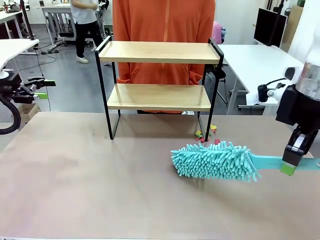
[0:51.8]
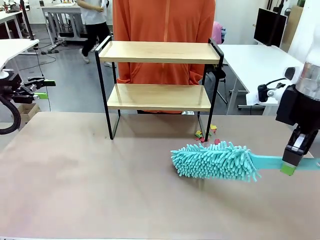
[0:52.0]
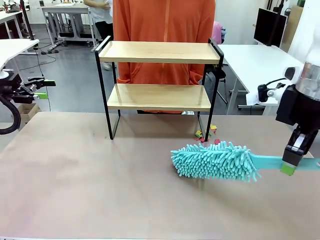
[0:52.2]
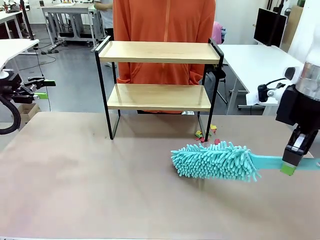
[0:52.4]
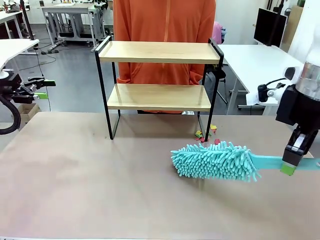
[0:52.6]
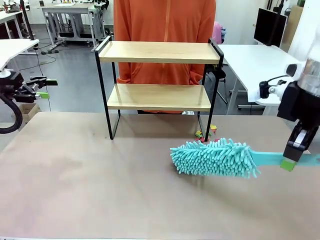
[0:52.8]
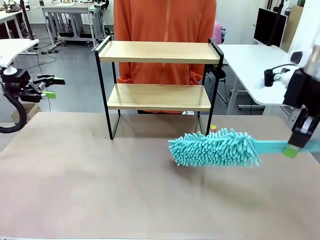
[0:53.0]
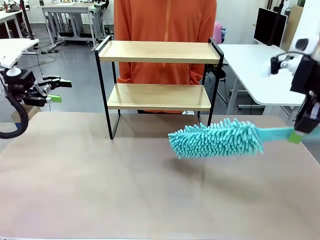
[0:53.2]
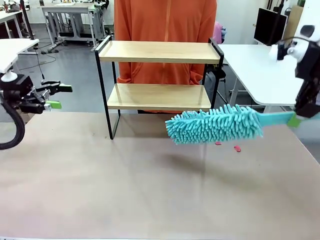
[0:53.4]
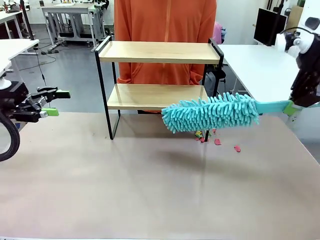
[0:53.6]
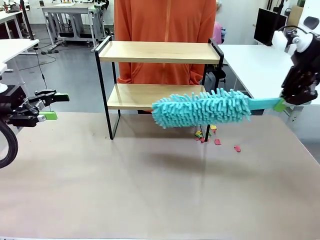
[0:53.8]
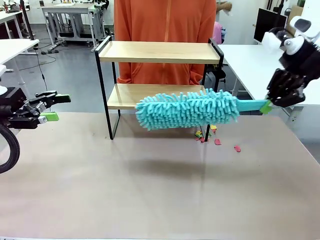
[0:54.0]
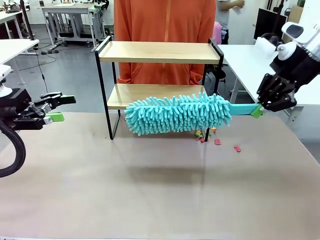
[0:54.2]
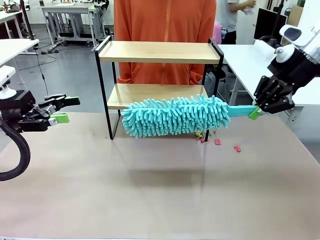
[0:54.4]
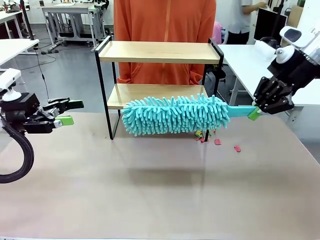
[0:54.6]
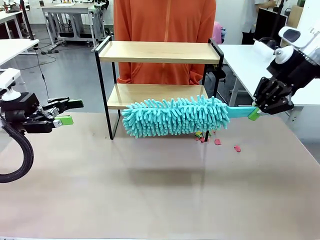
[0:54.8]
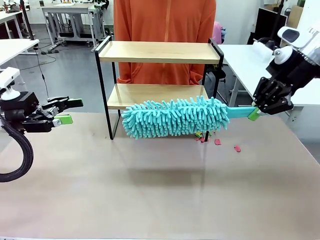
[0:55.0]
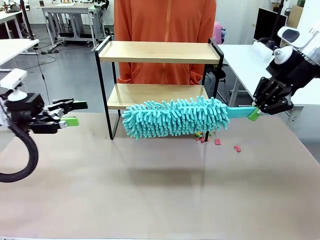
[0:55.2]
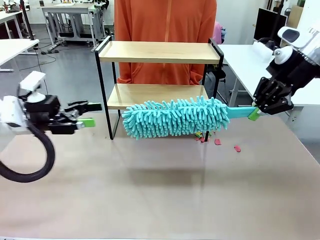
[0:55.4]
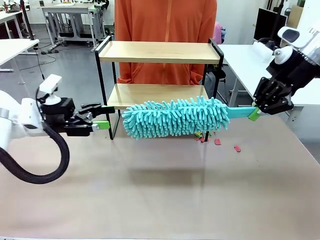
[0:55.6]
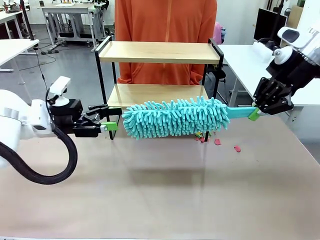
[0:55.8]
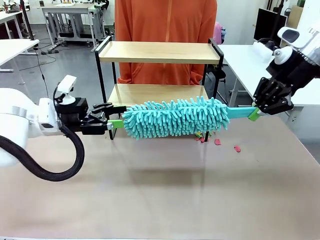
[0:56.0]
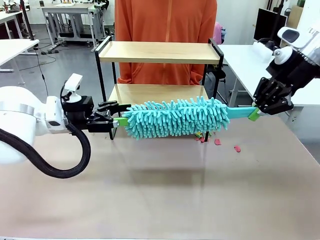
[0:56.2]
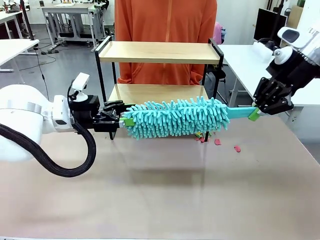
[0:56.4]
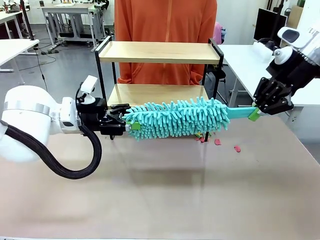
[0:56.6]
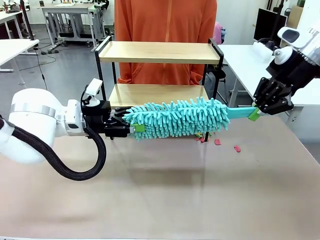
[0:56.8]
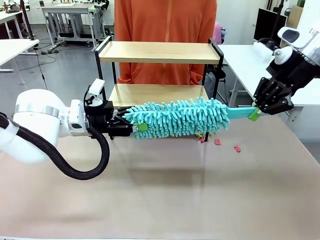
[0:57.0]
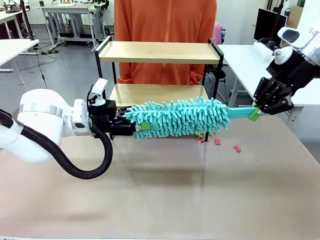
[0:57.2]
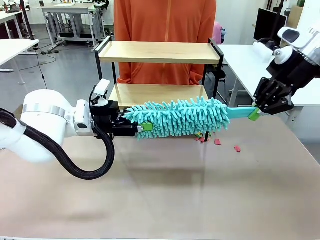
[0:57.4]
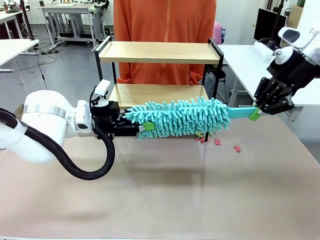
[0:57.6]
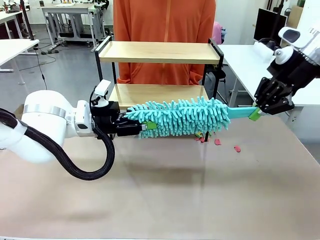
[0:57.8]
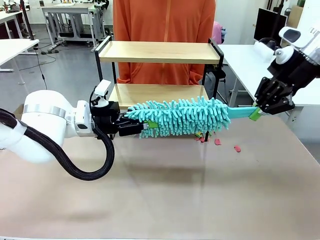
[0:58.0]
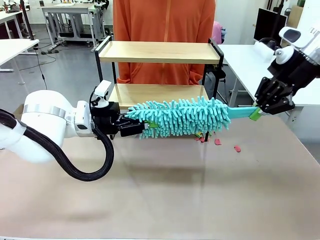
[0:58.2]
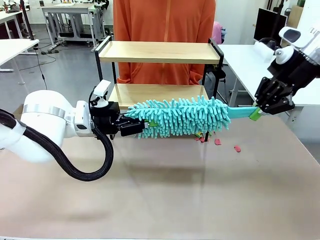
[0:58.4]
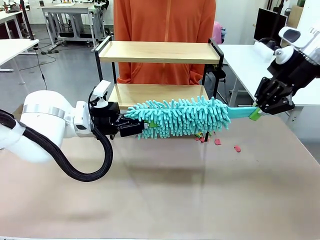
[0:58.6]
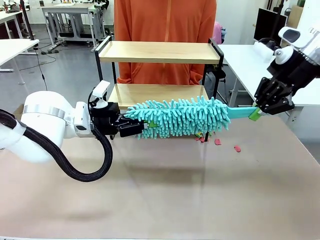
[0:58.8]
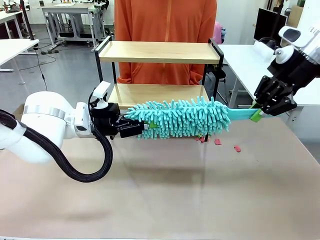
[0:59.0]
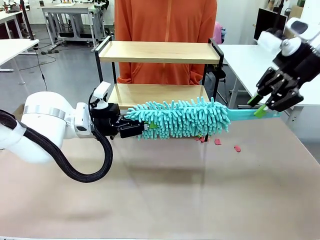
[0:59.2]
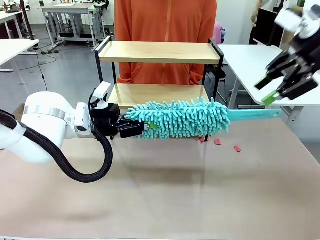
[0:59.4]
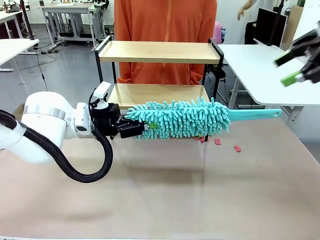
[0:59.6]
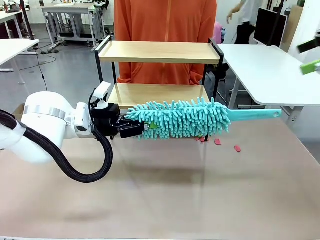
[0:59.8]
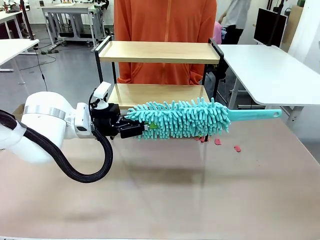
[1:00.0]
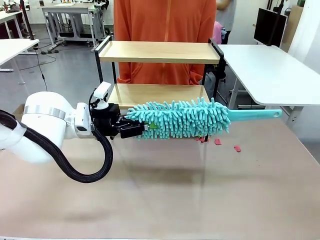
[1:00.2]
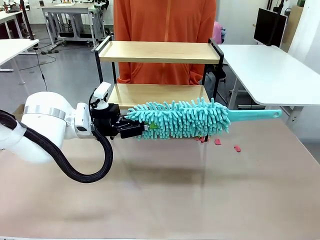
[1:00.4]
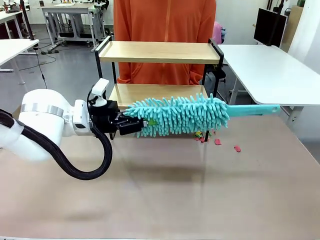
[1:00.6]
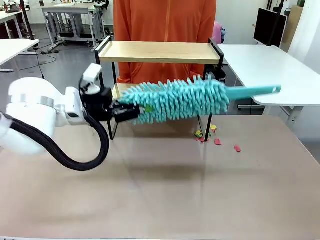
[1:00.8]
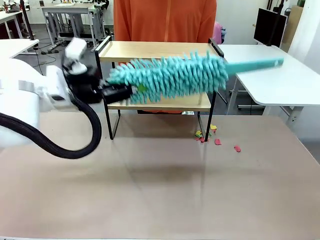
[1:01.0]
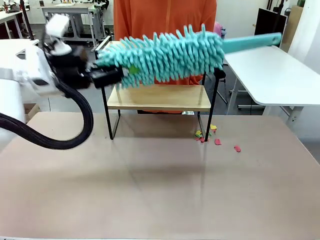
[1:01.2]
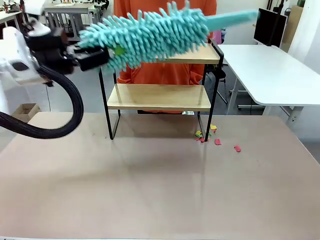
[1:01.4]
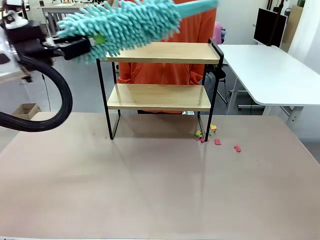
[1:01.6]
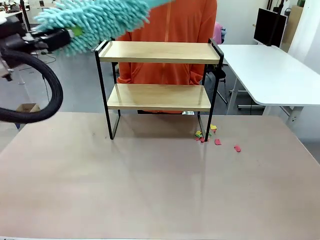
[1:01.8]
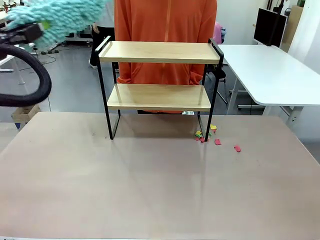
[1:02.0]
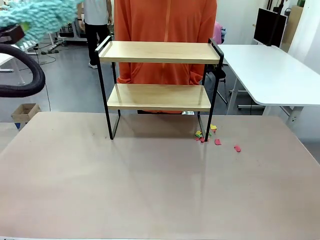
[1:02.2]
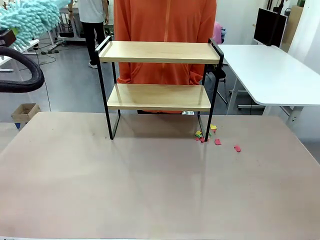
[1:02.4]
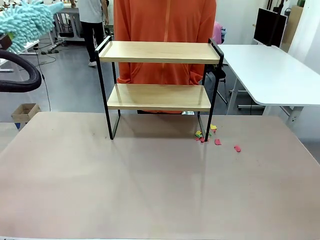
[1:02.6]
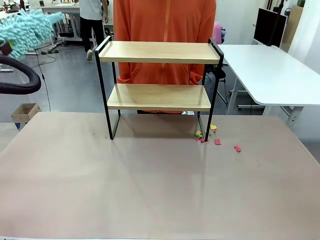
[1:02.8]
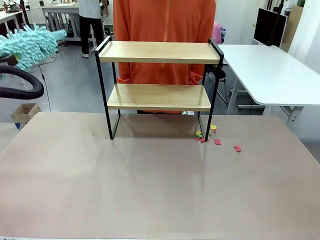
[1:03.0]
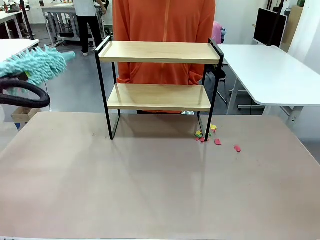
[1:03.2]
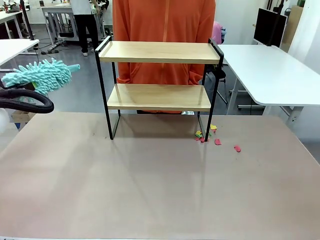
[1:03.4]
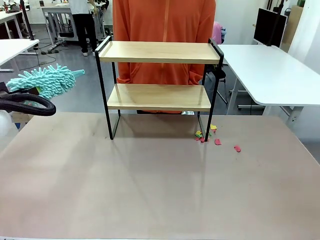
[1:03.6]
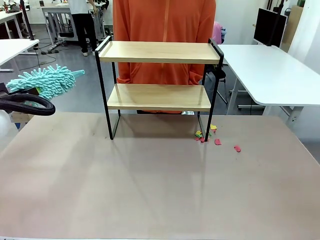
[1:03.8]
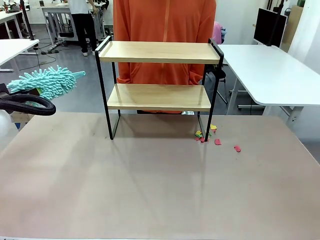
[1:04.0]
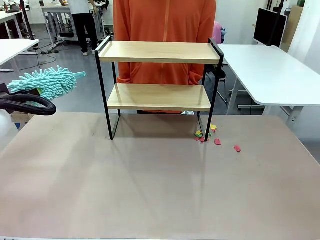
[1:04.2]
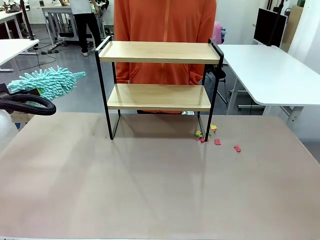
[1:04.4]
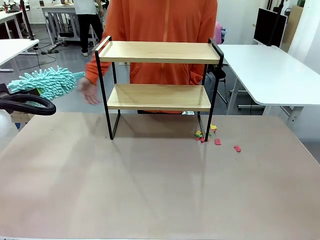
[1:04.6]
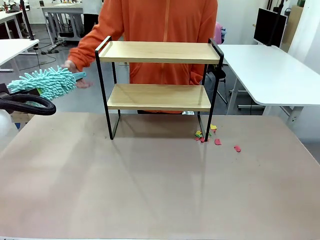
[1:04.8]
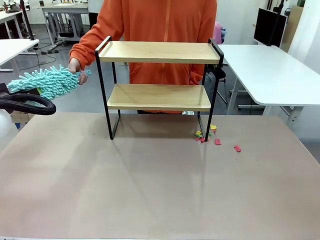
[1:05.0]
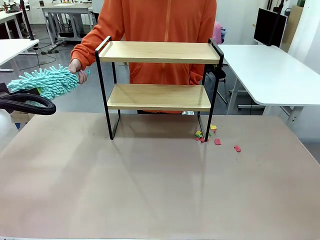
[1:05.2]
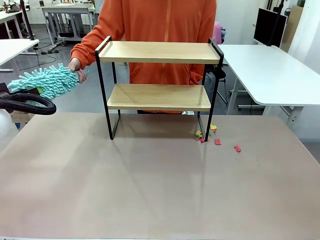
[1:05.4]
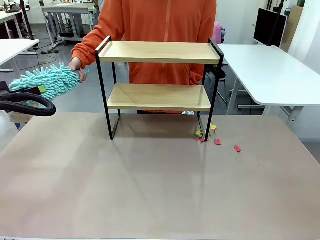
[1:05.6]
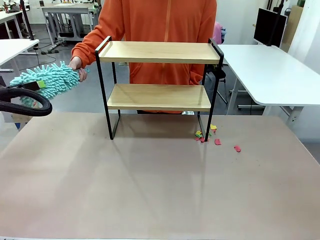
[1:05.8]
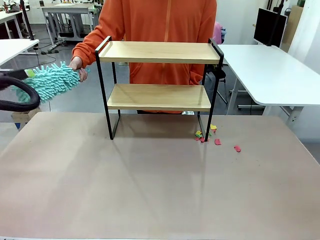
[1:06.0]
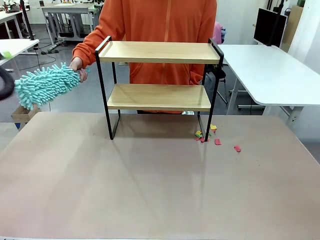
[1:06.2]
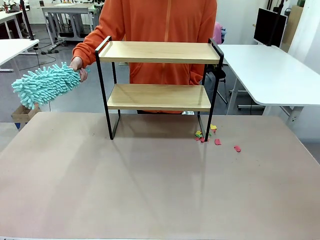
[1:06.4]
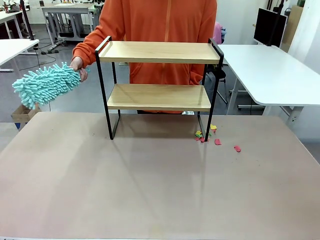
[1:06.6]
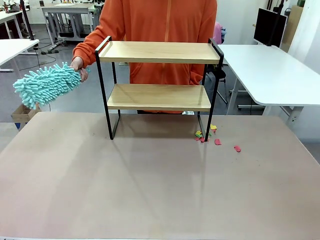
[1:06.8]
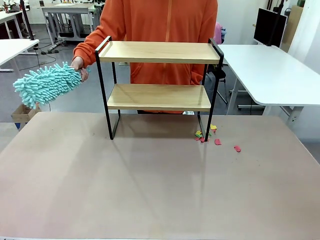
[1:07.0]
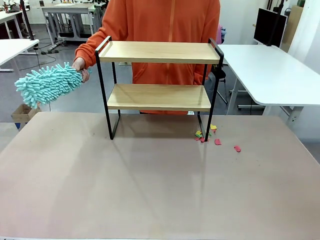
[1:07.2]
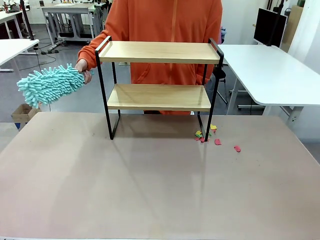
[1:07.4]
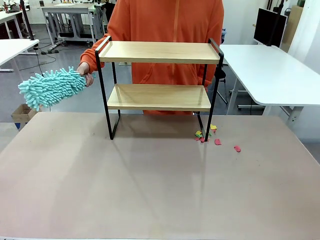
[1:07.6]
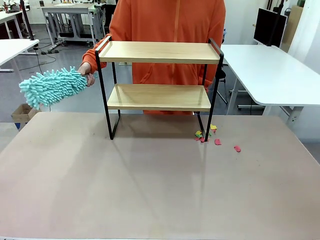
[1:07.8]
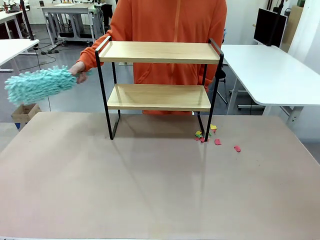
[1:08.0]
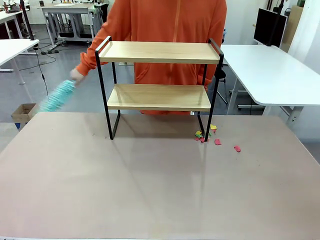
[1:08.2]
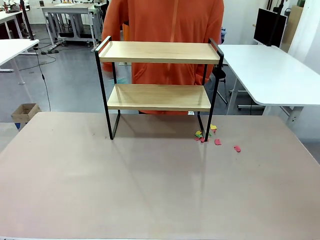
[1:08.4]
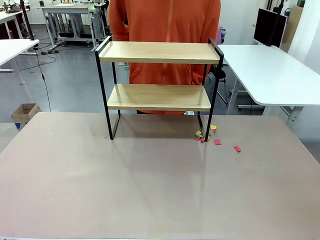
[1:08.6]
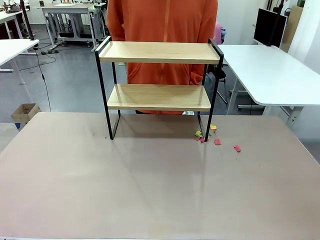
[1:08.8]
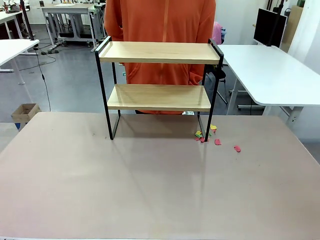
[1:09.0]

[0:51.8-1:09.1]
Task: Clean the shelf.
Robot: Hand the Duster back to the human.
Person: Receive the Duster from the robot.
